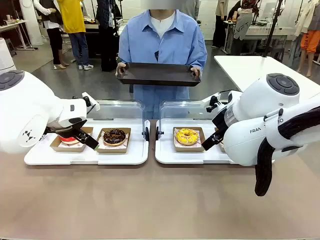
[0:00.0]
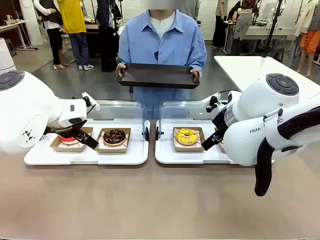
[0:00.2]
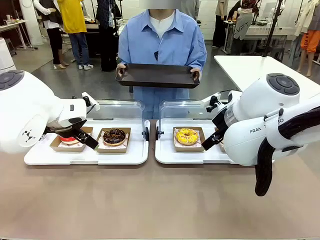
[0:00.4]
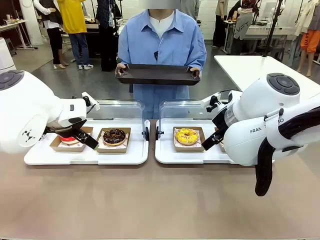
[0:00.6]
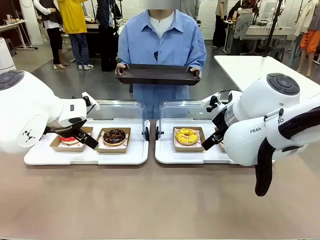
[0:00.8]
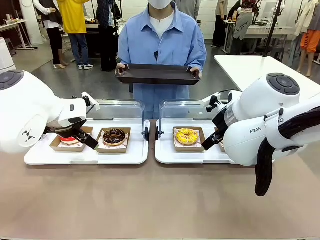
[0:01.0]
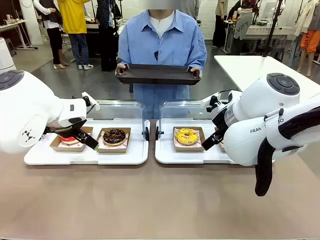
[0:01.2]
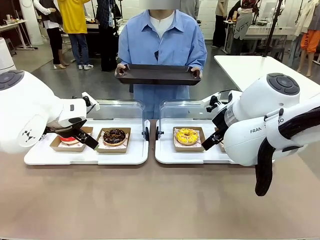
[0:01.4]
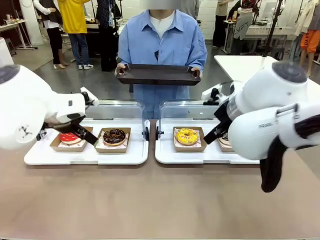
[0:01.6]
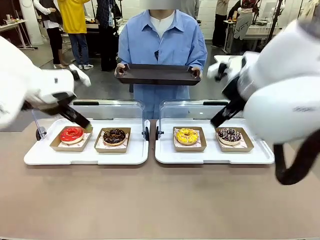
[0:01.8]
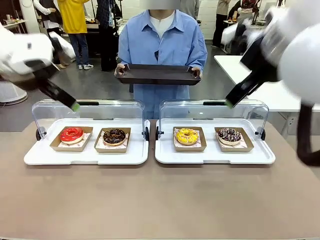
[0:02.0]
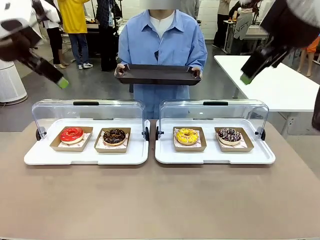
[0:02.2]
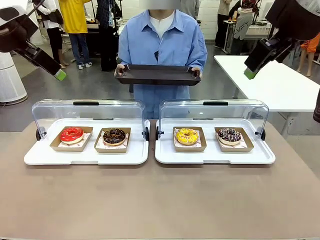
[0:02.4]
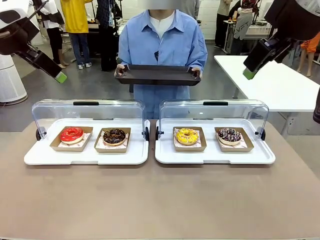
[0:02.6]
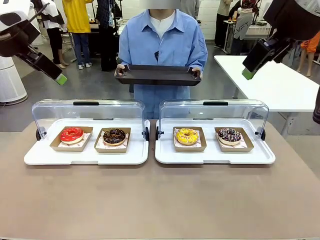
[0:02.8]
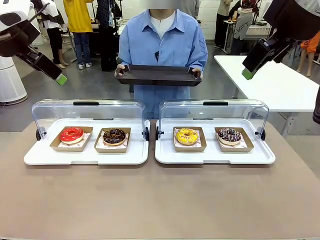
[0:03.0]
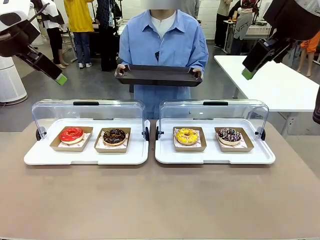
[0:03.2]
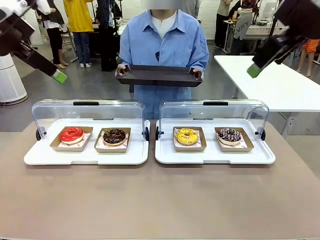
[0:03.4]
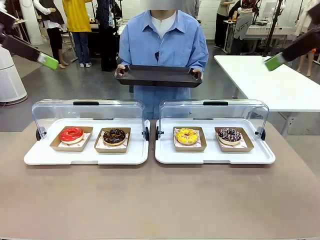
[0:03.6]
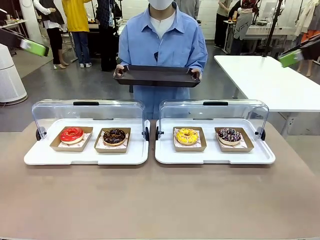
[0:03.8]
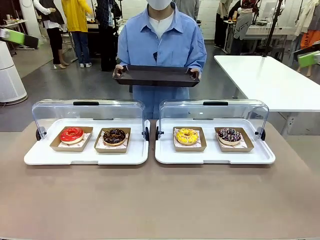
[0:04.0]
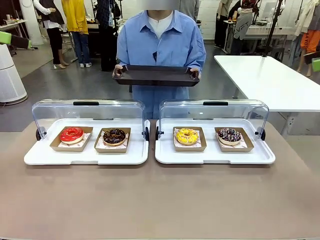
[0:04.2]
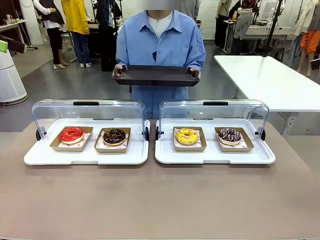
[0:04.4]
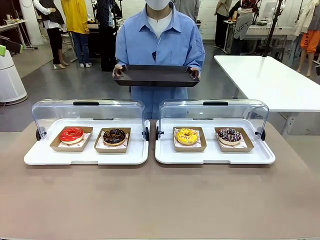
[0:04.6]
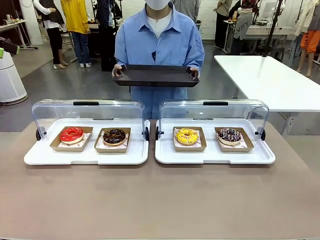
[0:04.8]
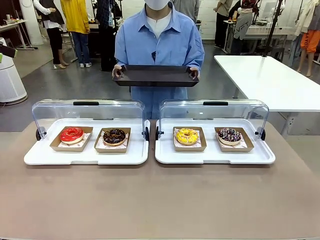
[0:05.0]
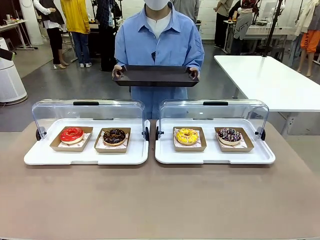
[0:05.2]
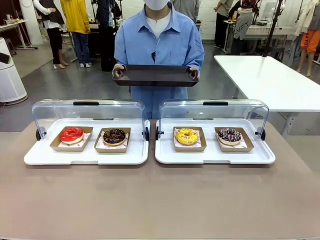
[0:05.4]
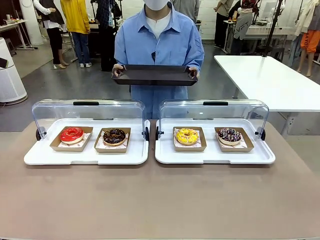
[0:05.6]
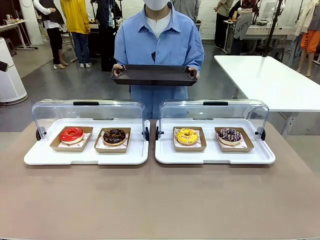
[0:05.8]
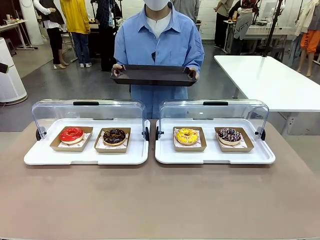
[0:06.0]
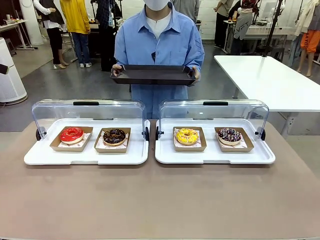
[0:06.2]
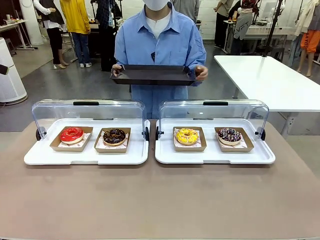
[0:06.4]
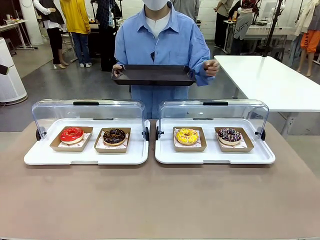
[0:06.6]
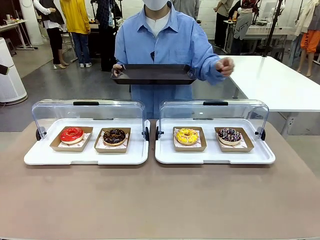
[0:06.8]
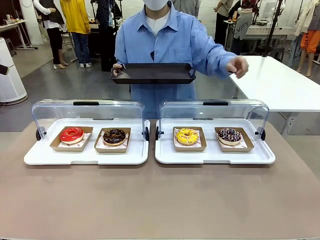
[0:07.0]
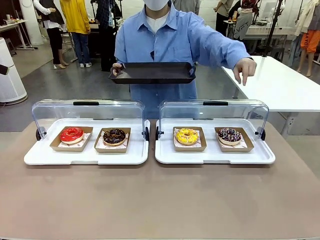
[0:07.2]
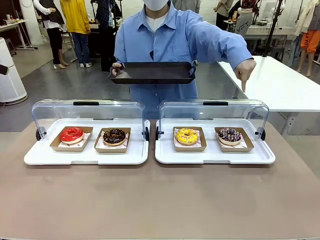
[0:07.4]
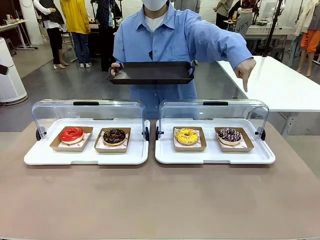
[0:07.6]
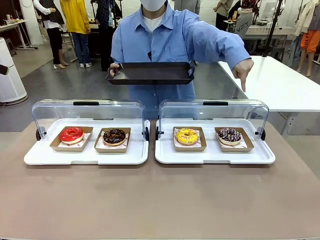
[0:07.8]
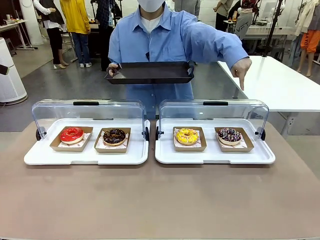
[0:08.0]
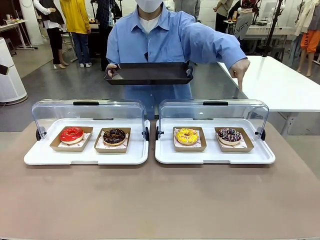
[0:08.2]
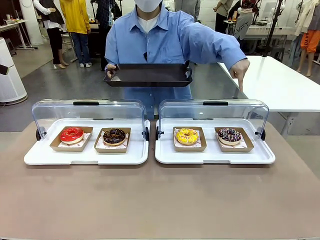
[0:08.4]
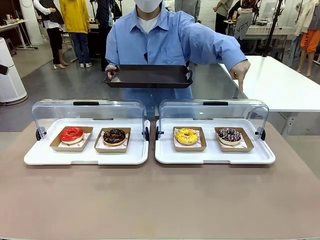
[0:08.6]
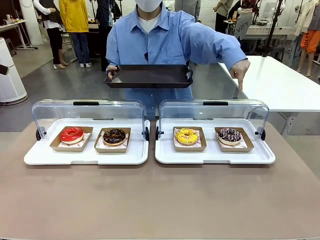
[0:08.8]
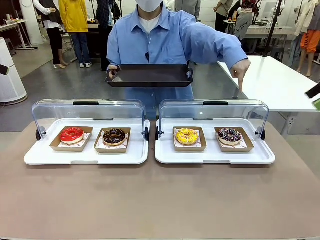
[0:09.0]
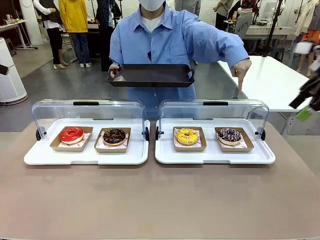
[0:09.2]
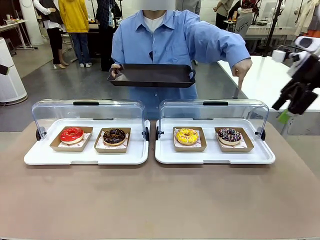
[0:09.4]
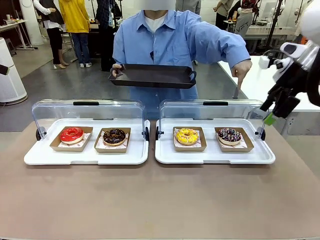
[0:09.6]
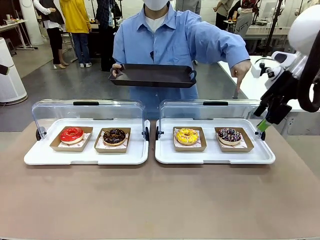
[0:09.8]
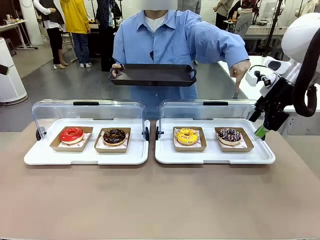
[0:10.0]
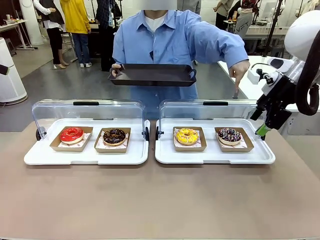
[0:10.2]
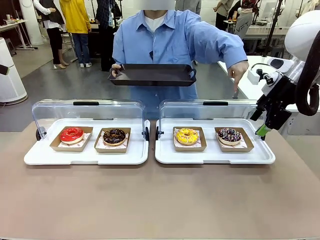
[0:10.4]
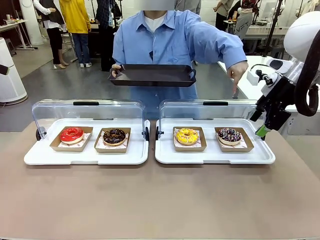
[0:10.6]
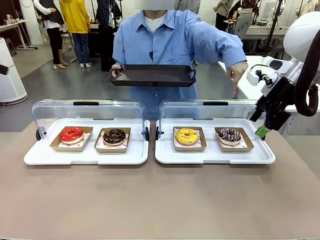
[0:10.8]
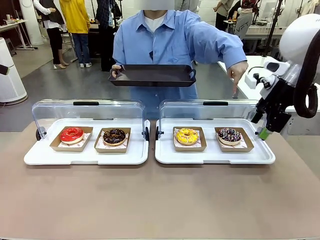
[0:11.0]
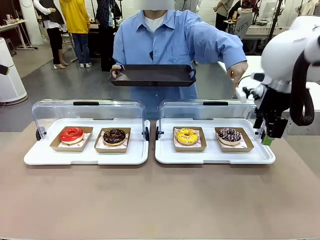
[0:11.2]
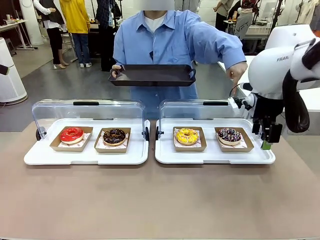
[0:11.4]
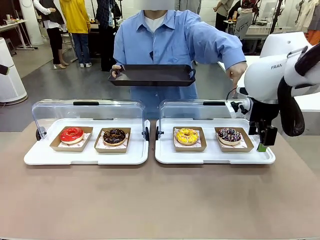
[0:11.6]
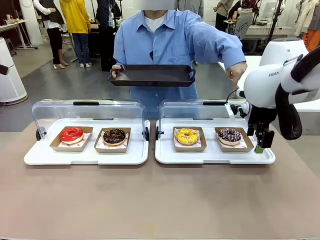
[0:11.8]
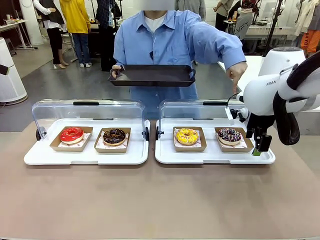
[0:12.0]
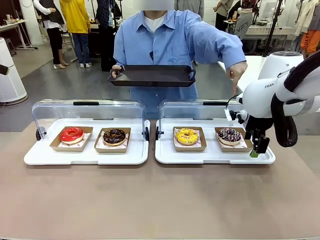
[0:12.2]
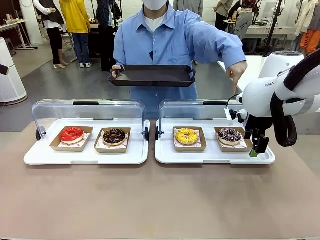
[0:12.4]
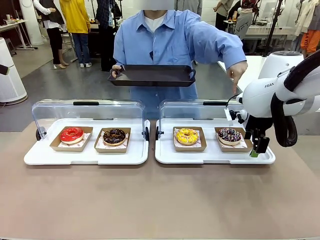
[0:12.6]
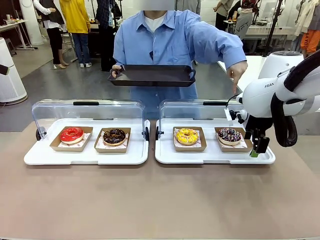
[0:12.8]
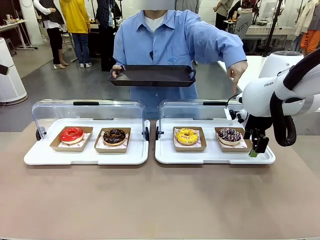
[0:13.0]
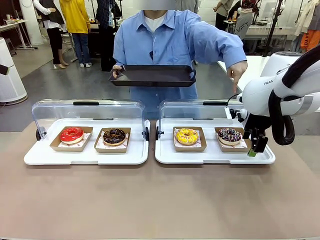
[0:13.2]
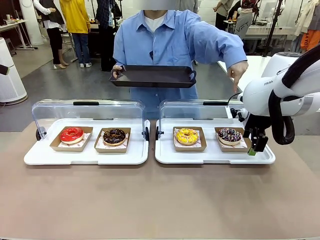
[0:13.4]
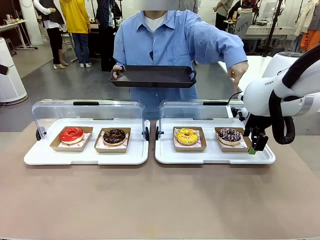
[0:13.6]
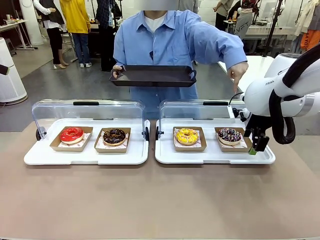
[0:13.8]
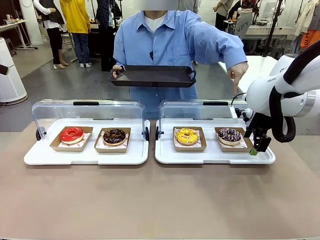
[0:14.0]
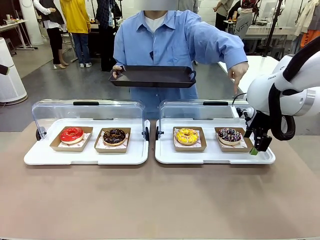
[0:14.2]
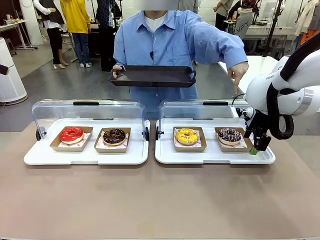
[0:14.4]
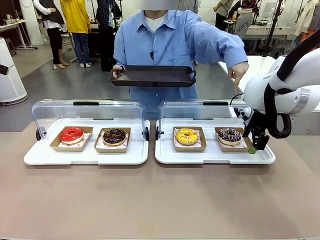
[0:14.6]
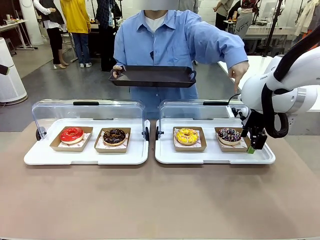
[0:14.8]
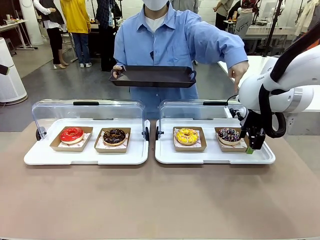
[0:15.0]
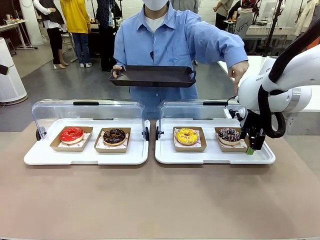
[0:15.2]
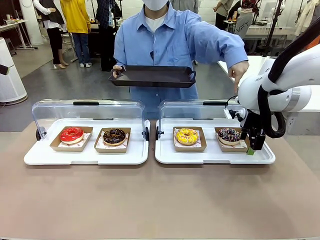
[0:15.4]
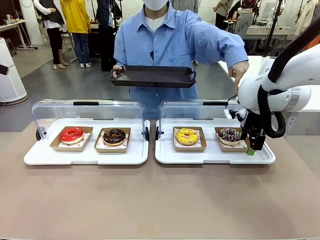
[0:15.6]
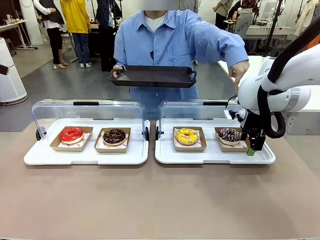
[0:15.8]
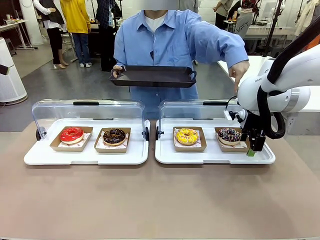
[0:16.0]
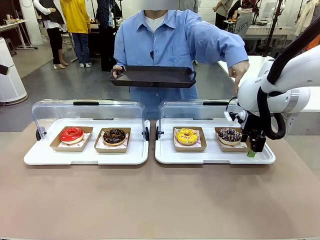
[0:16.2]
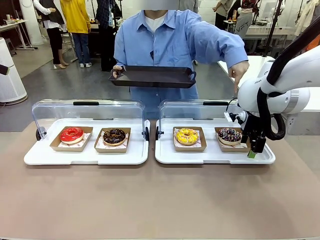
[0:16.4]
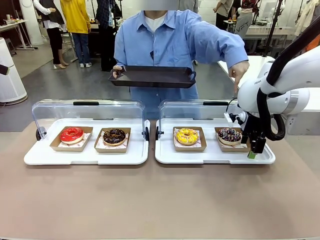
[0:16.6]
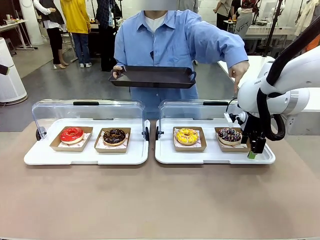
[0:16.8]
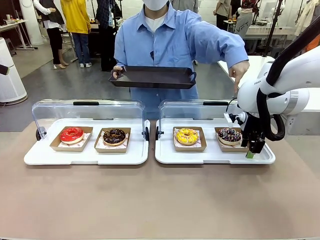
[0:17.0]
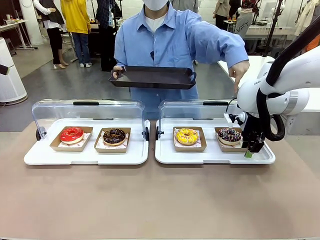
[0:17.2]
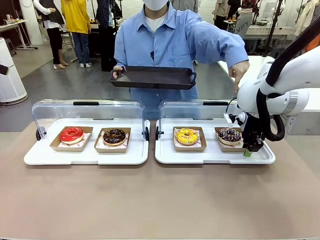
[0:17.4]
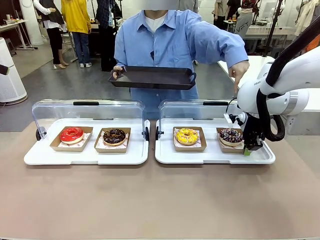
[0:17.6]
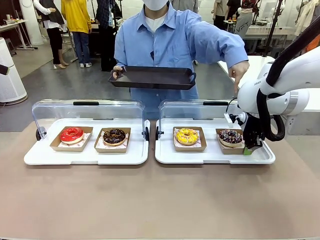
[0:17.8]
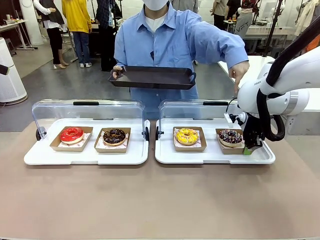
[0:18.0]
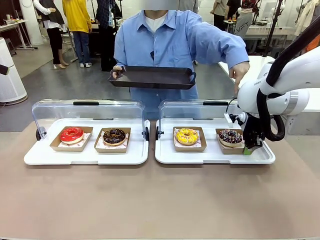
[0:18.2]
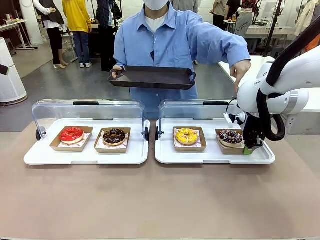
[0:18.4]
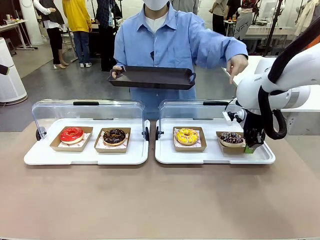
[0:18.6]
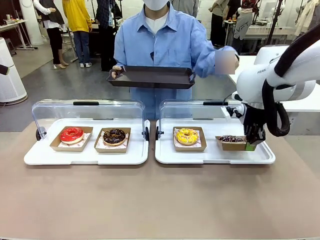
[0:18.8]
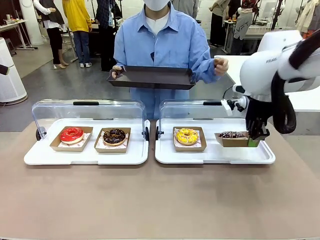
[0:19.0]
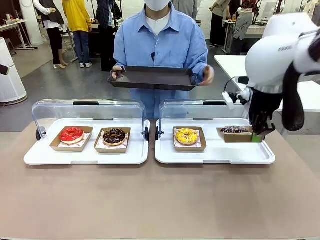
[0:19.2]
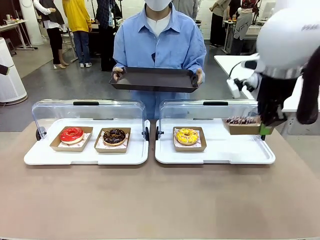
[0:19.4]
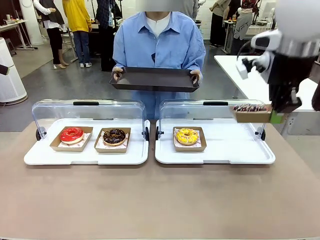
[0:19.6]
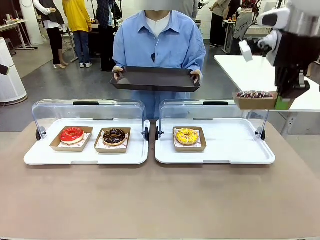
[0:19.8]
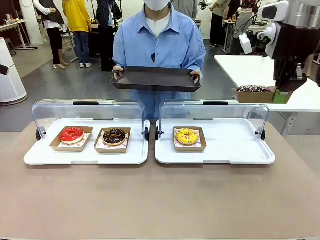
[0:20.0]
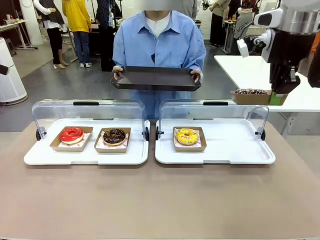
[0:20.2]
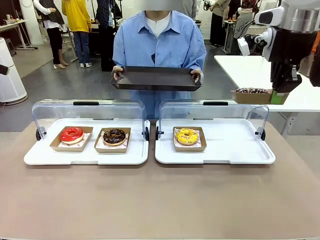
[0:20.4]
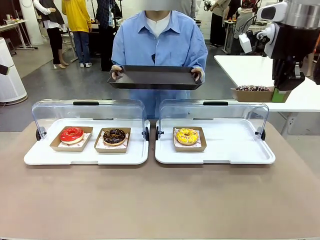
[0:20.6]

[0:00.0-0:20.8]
Task: Provide the desired donut to the person.
Robot: Pick up and lift the Paper togo box containing the Donut pointed at by the person.
Person: Point to one donut. Lift the tray onto the Roll-Top Bakery Case.
